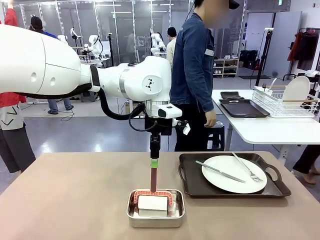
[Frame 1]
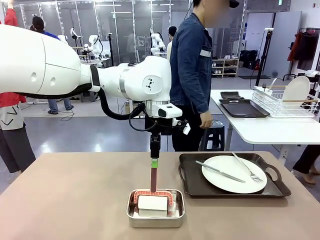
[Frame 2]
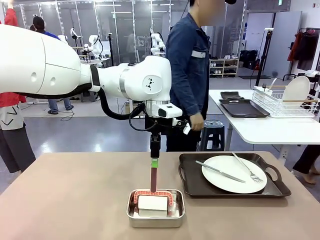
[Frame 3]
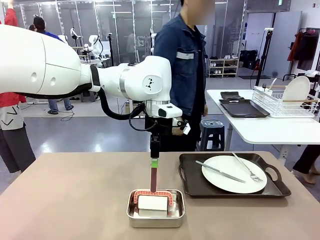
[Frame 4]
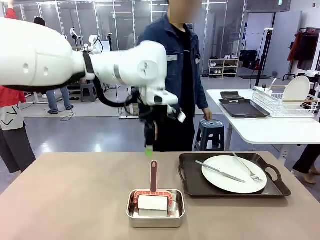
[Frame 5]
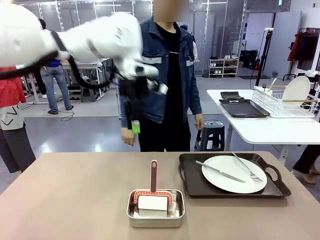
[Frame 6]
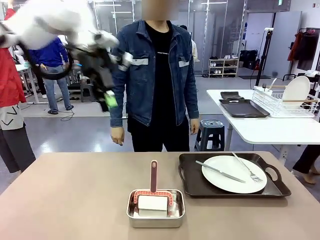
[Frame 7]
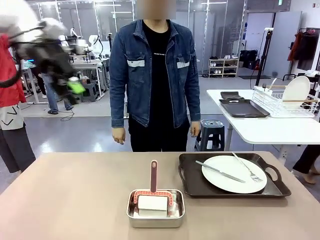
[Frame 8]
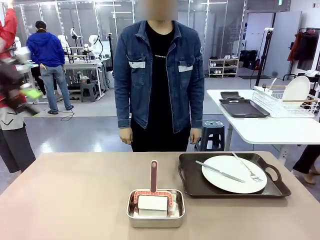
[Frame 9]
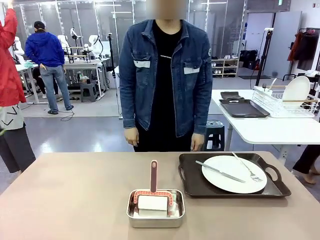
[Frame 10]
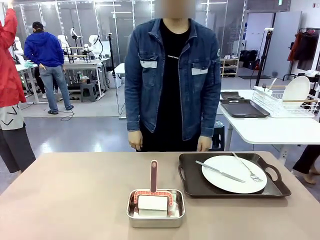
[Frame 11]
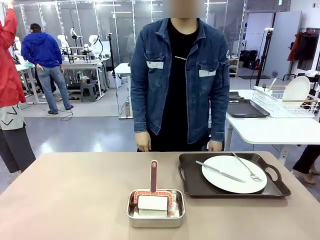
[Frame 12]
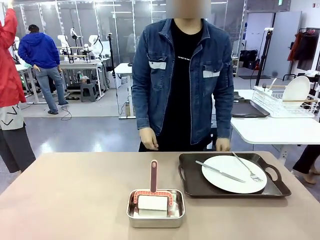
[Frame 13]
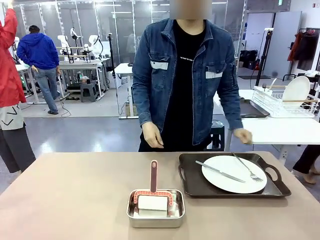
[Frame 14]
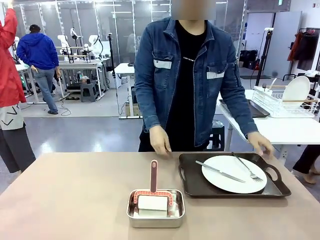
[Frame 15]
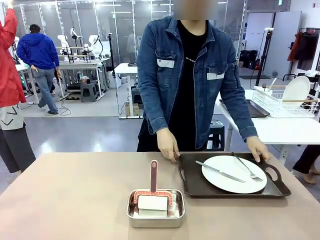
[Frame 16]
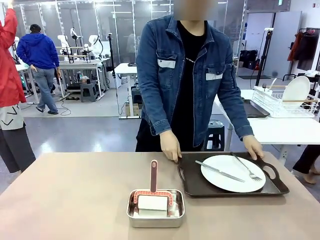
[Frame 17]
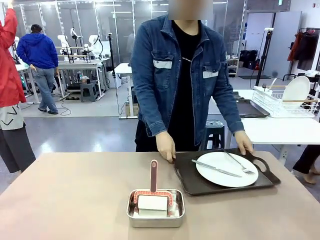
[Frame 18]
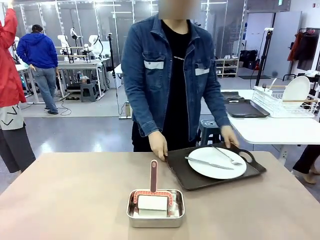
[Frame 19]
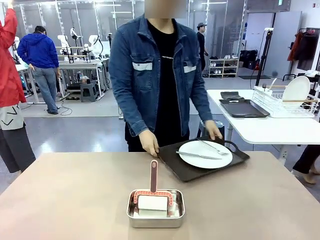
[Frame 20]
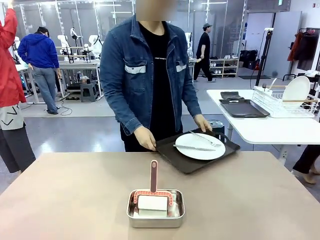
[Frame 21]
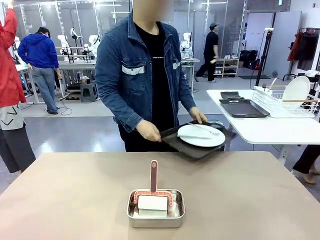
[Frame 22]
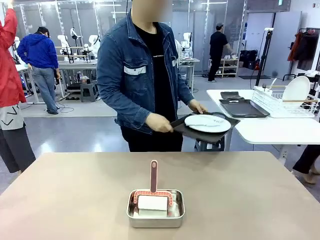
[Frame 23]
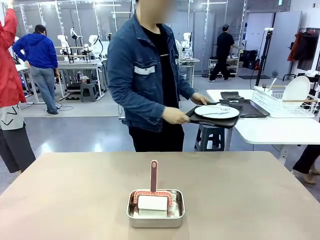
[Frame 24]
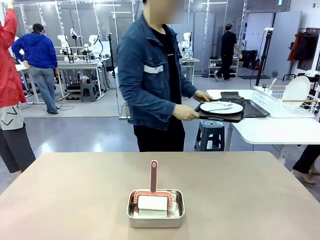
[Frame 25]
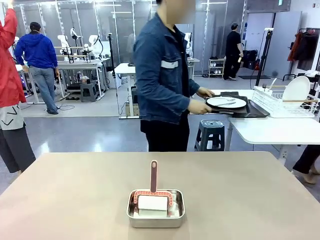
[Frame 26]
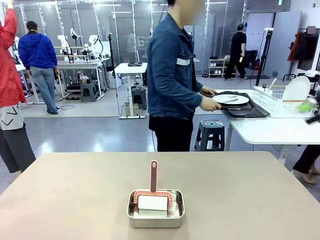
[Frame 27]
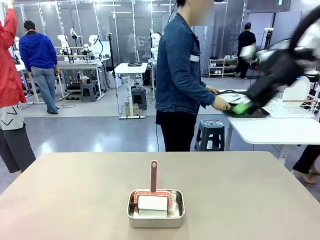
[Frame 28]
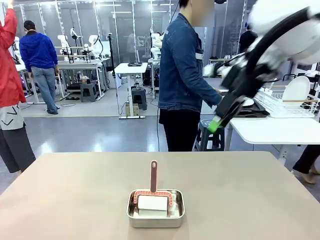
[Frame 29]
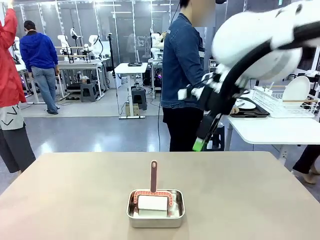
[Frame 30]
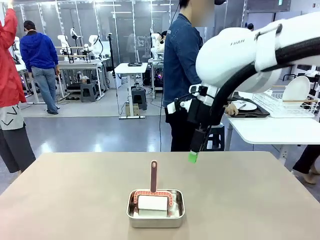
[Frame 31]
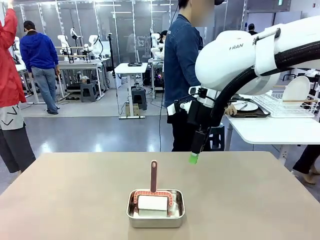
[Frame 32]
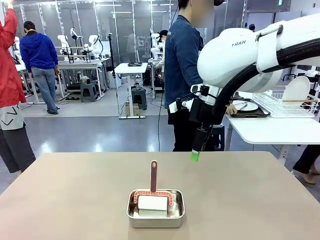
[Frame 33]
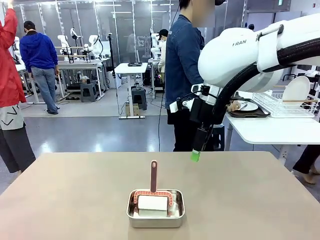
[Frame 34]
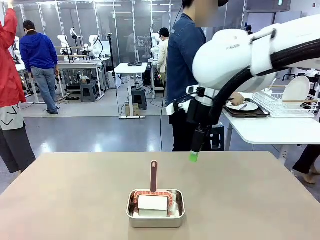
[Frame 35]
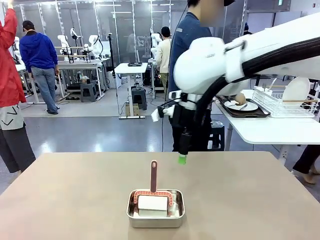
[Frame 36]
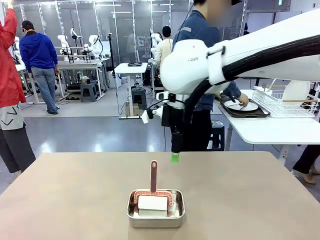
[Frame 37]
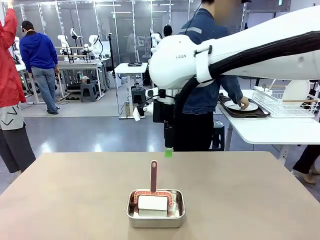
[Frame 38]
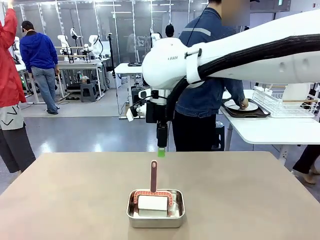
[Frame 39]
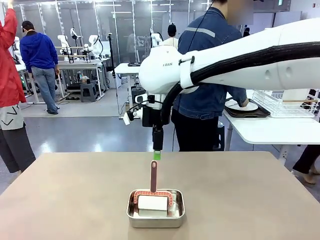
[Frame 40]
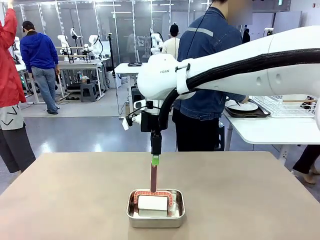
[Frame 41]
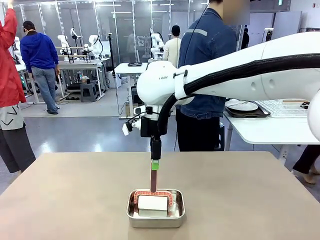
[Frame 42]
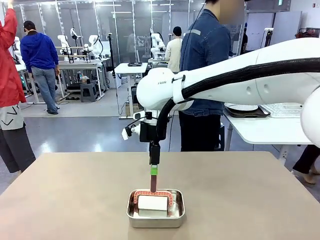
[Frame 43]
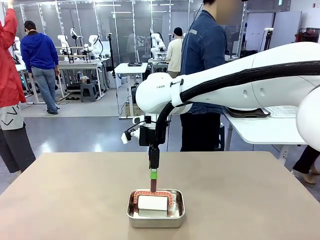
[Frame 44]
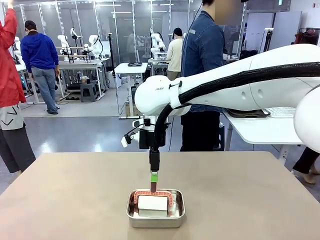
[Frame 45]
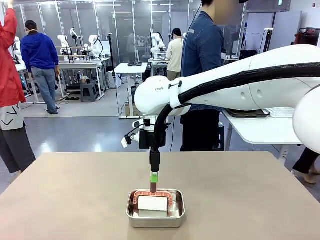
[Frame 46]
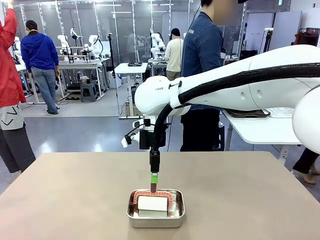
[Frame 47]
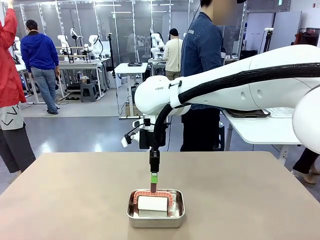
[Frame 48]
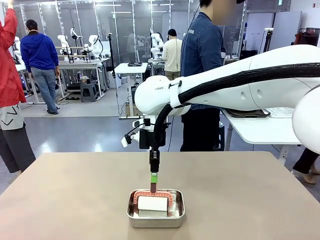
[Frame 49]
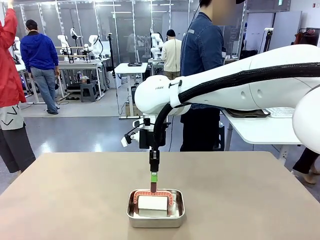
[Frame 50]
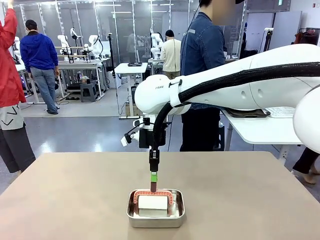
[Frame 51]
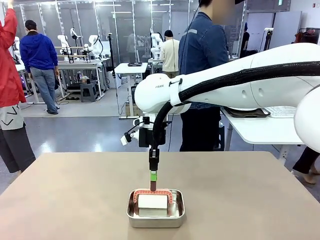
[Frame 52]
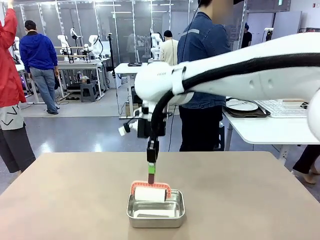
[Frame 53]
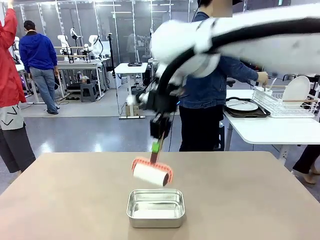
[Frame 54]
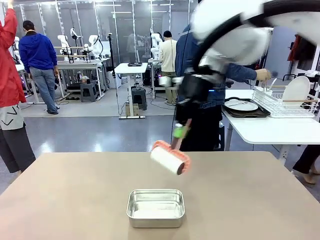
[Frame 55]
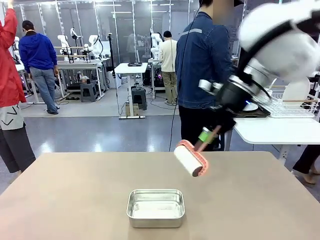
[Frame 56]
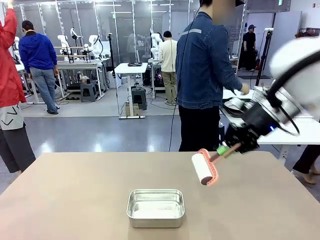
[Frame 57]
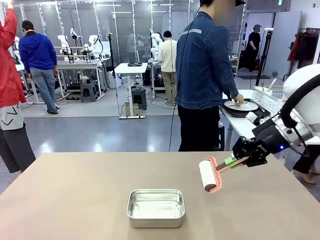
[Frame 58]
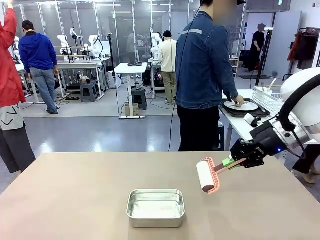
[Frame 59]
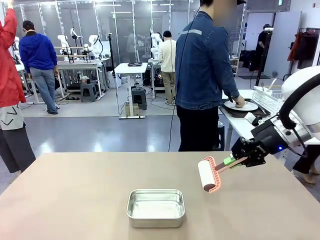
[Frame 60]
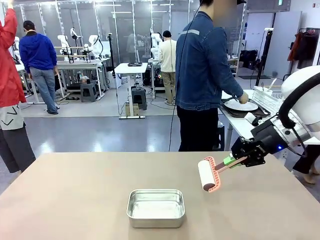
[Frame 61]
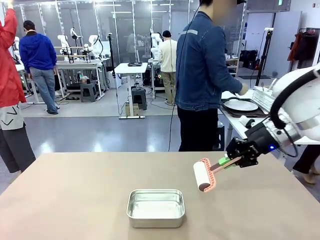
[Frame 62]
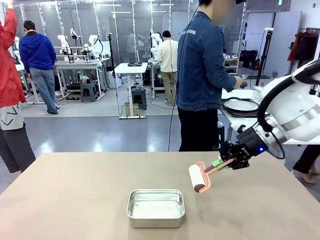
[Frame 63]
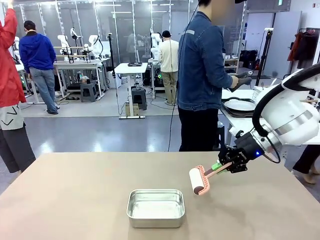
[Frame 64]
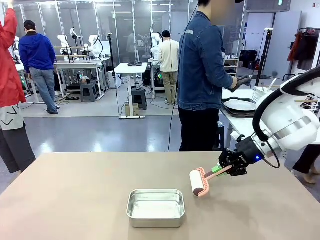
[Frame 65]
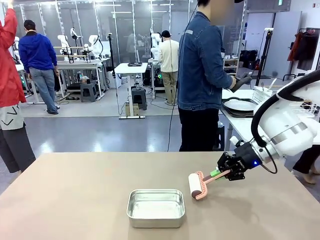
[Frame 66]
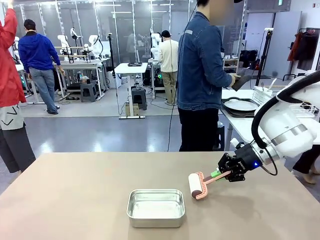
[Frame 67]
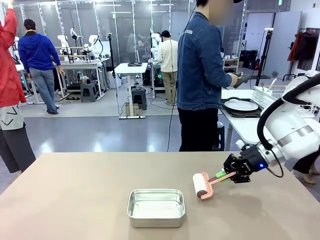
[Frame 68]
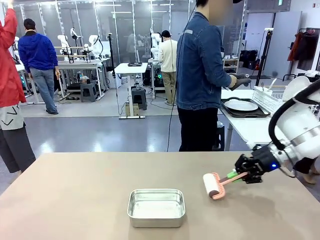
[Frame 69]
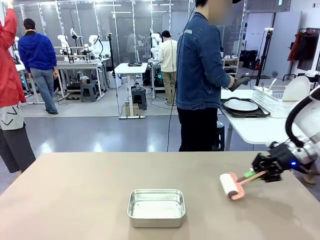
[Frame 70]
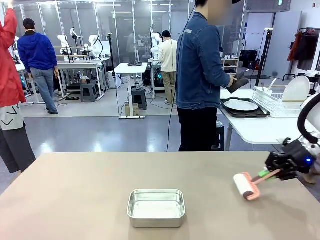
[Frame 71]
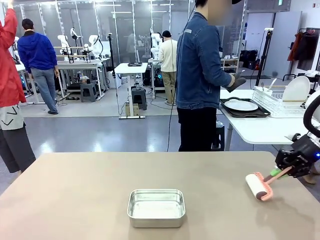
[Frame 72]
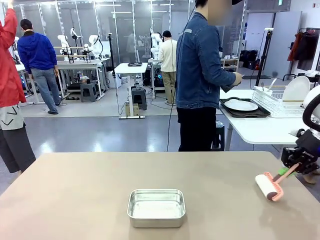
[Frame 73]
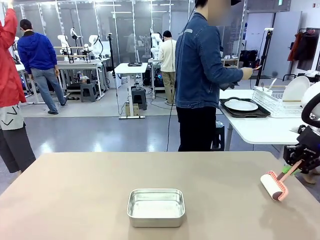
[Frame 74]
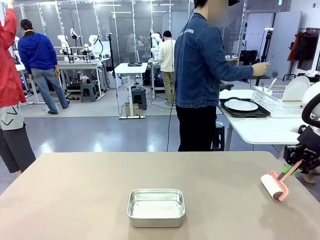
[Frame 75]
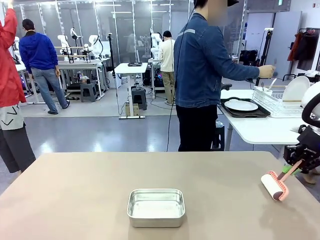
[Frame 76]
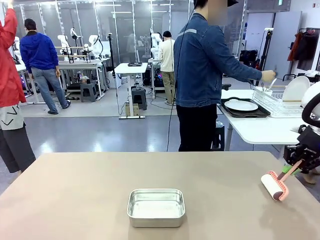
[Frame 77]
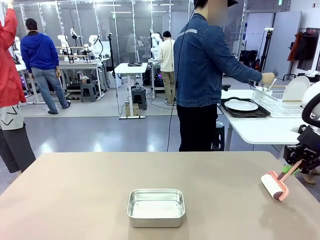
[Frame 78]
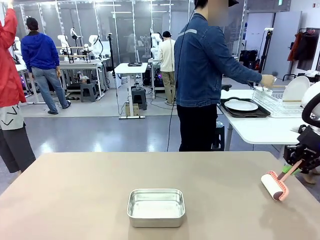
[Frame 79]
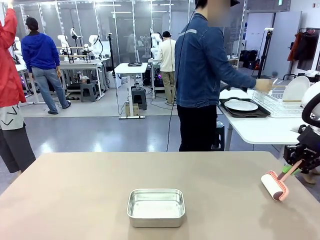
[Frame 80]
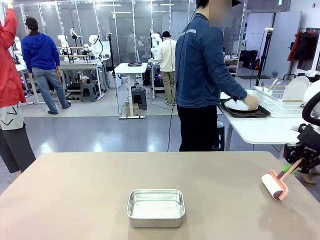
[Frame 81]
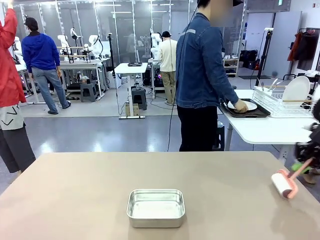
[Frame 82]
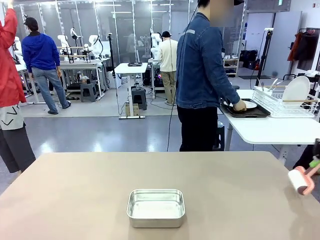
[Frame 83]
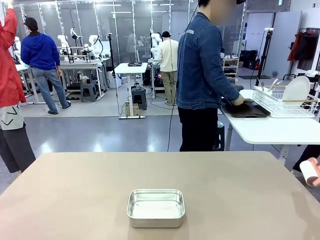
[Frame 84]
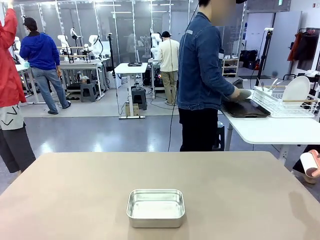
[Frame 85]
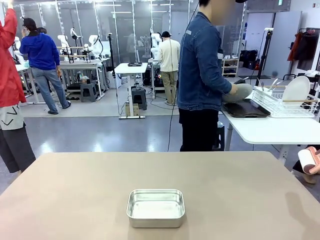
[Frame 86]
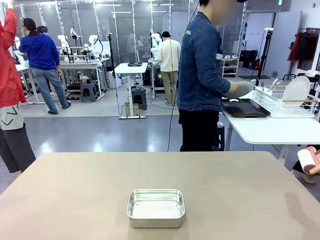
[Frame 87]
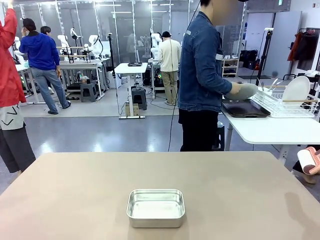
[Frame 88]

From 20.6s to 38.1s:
Robot: When the right (or left) Handle tray is removed, use the right hand (or left hand) to clean the right (or left) side of the table with the Lint Roller.
Person: Pick up the left (or right) Handle tray and place it on the Handle tray. Use the Towel with hook to wipe the Plastic Matte Plate , Fork , and Knife and place into the Dish drying rack.
